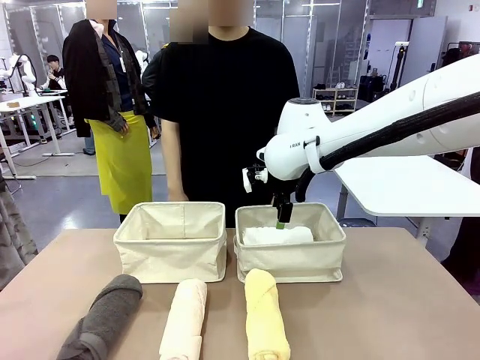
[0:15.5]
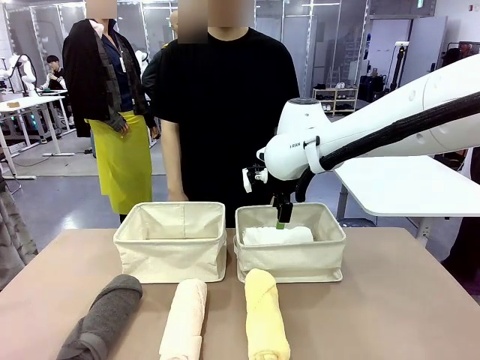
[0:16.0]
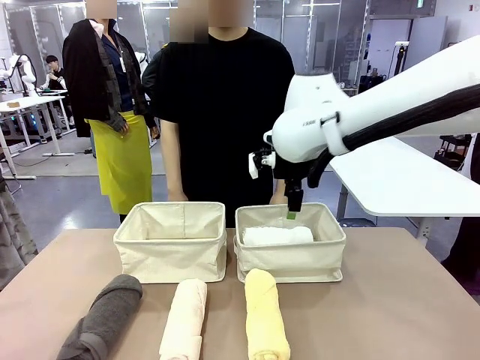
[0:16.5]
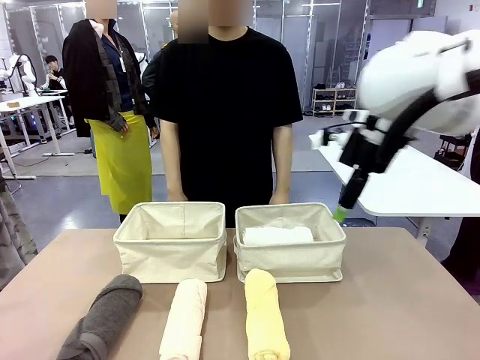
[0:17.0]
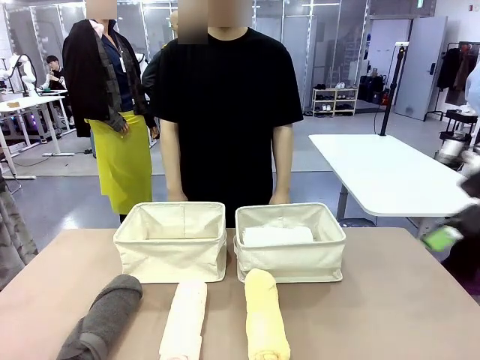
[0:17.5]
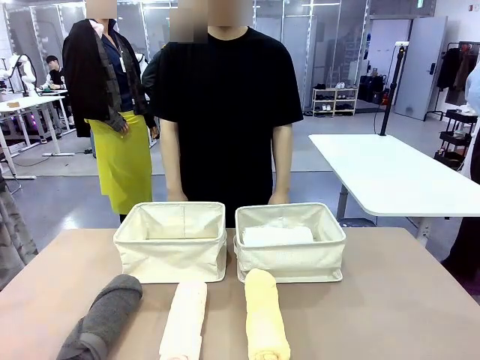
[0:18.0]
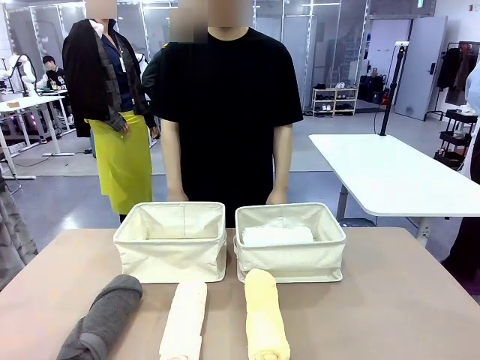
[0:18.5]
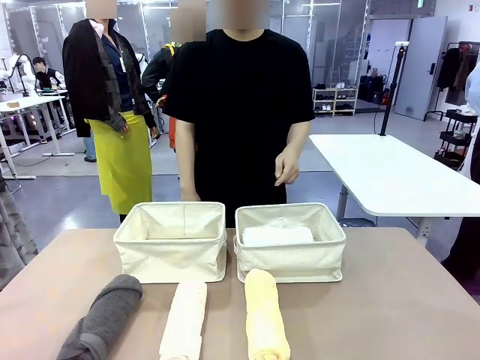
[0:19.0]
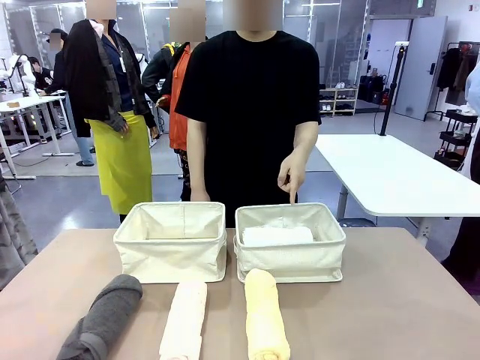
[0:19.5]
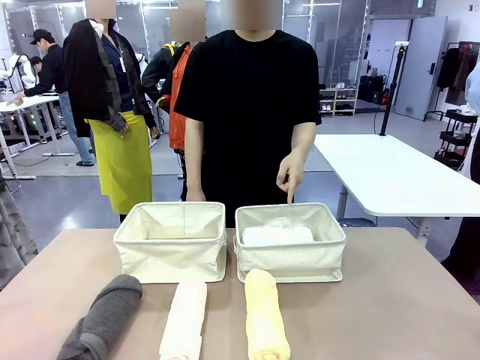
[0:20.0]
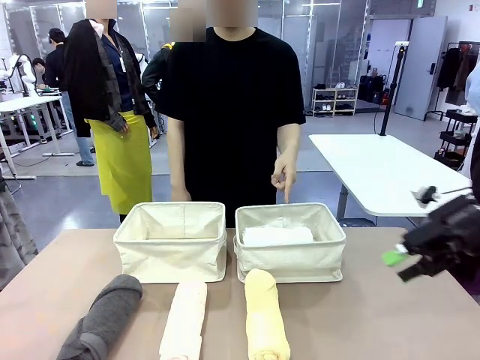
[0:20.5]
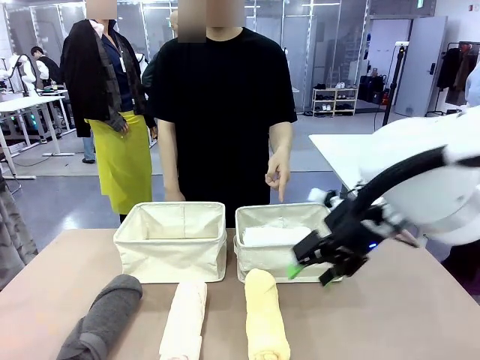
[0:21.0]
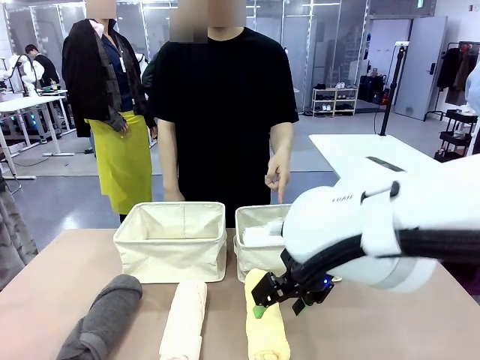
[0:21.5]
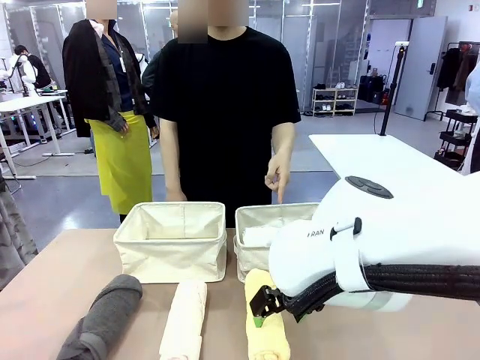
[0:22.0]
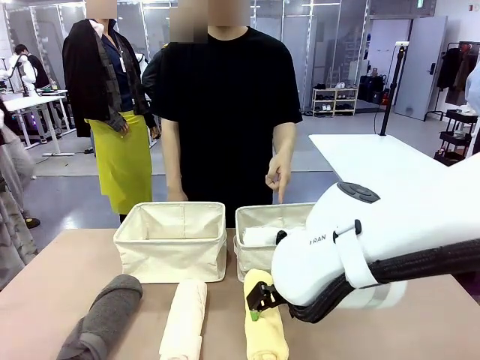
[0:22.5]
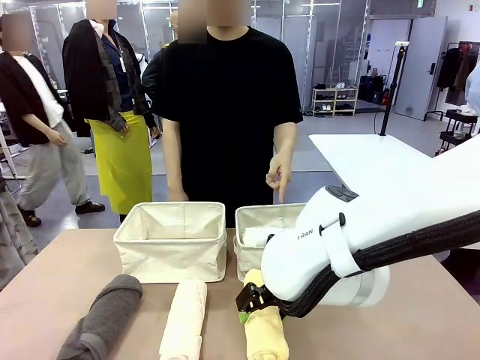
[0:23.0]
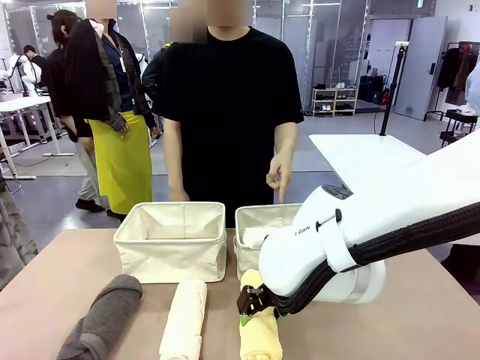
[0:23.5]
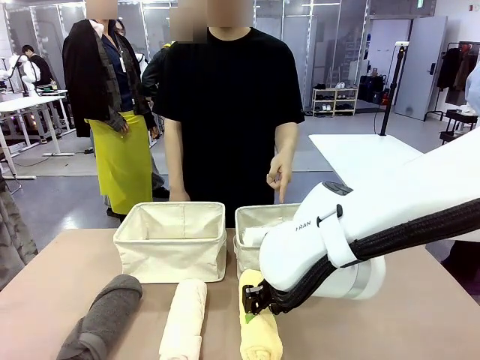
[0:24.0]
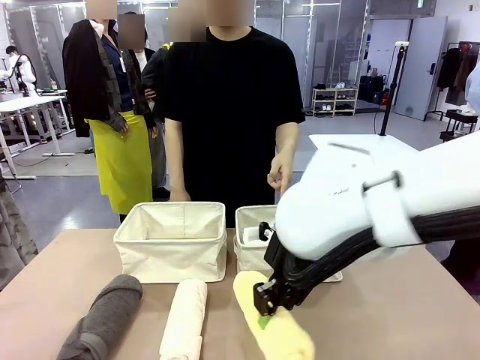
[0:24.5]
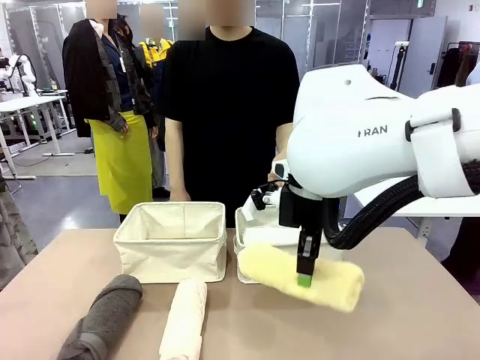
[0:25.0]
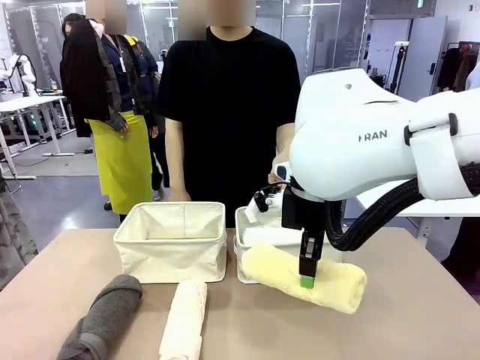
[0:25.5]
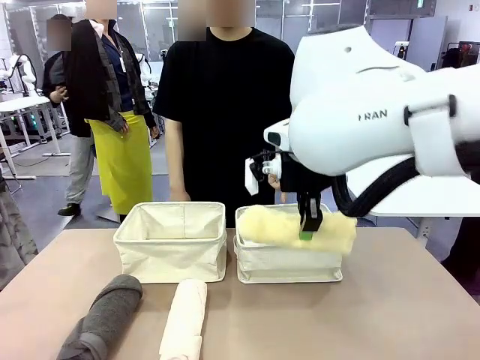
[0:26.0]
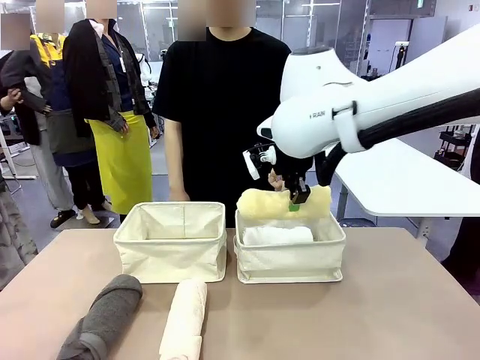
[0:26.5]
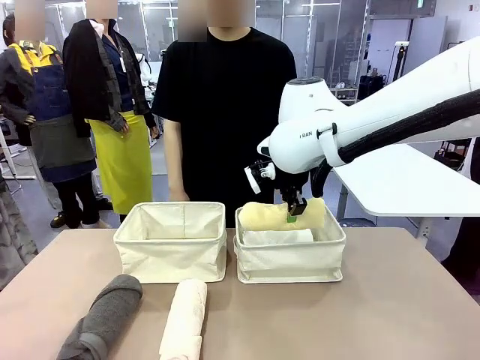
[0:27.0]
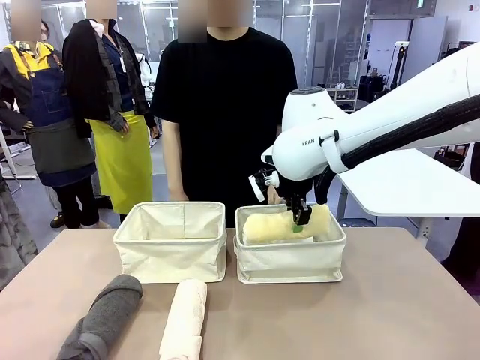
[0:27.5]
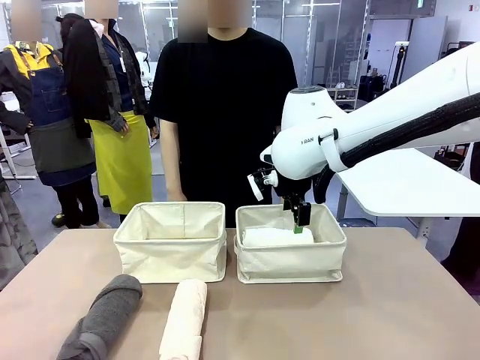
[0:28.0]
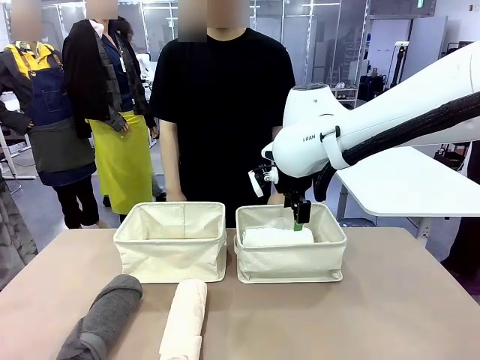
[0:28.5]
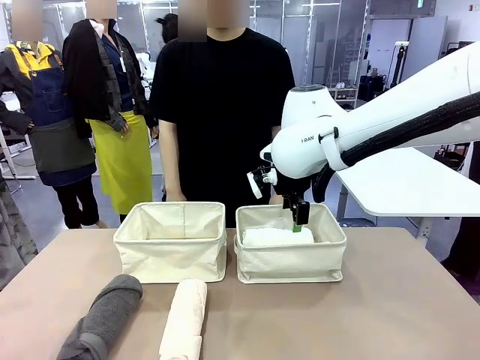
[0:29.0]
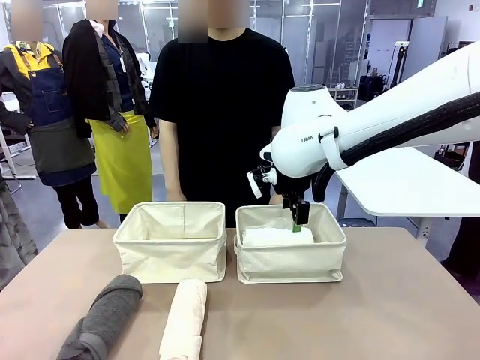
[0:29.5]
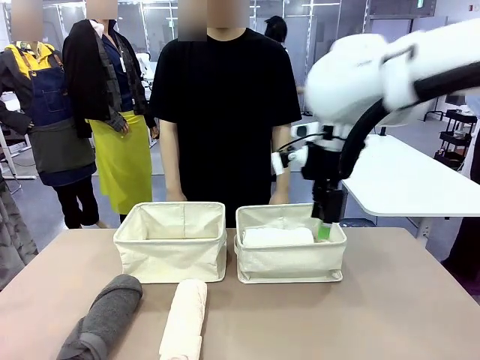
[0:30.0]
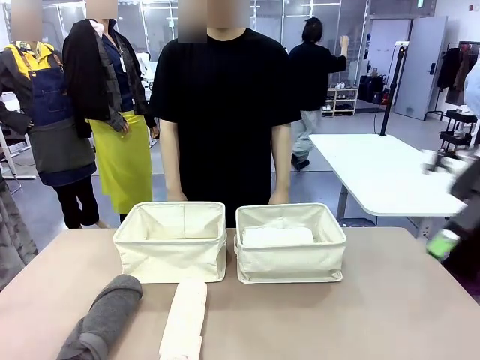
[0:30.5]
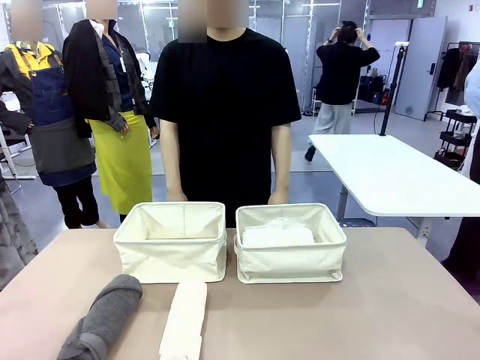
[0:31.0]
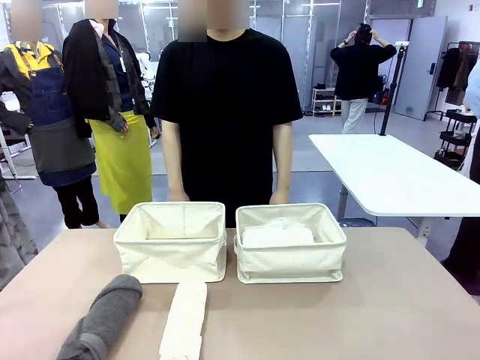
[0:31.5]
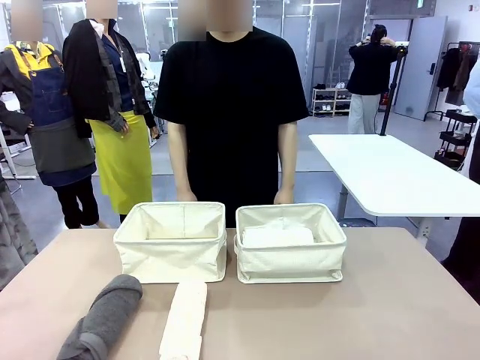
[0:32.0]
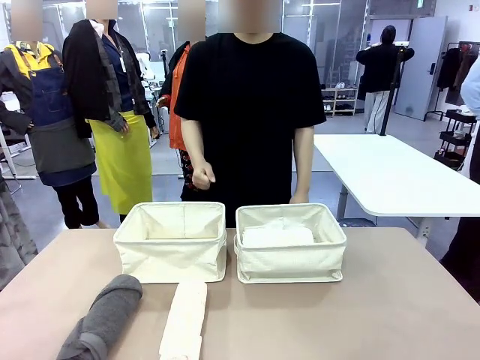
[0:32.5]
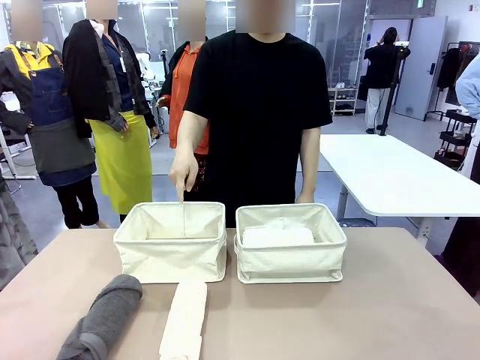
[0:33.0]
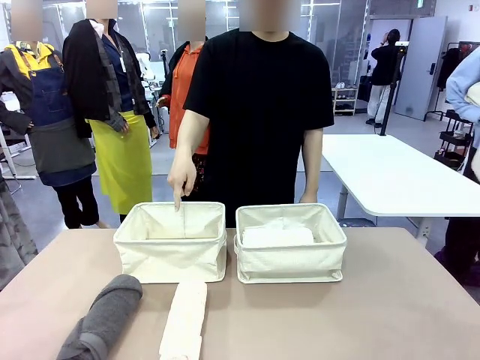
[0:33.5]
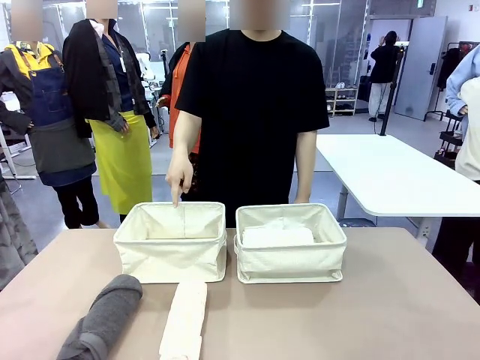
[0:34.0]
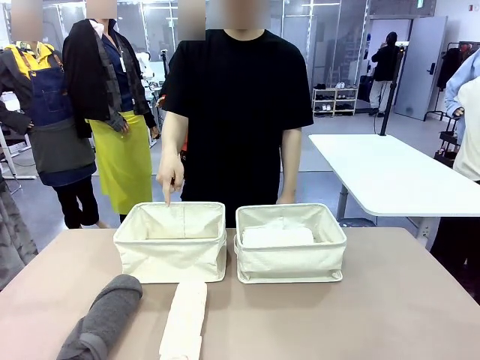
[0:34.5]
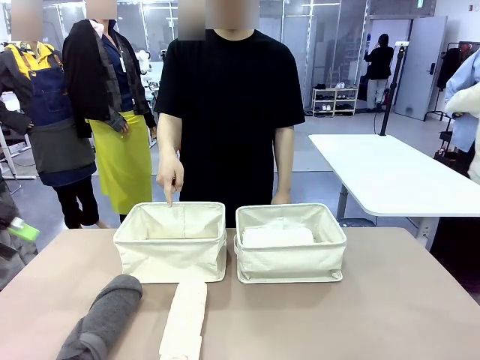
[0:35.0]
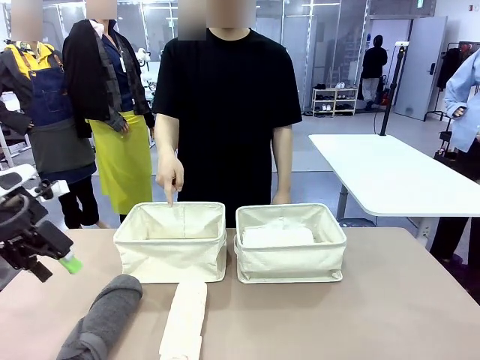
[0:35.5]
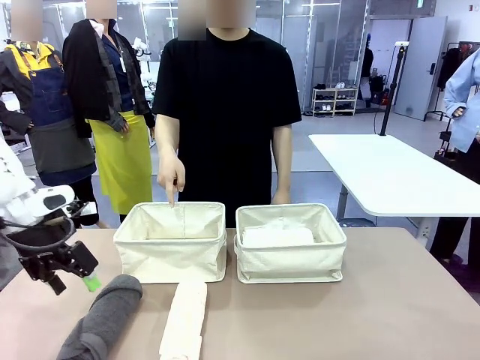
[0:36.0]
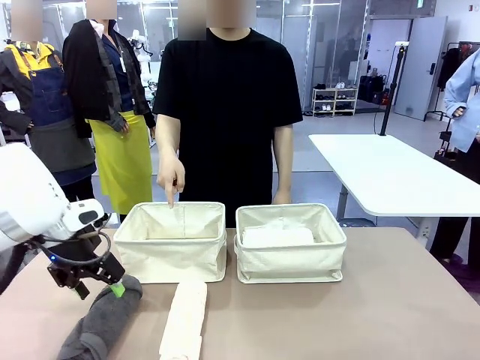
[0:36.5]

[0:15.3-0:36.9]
Task: Divide the towels into two baskets.
Robot: Pick up one hotel-folded towel from the bottom of the table and place it in the Fabric basket indicated by the person.
